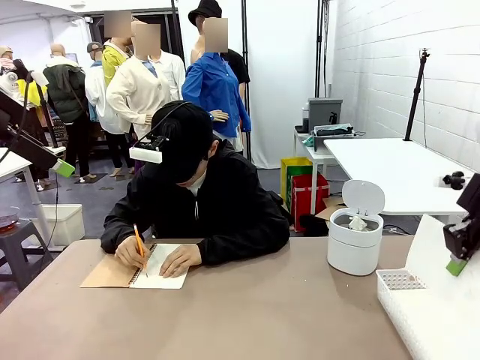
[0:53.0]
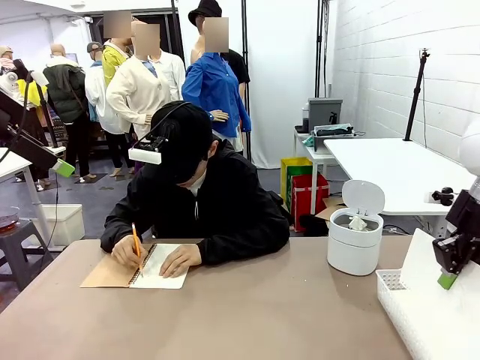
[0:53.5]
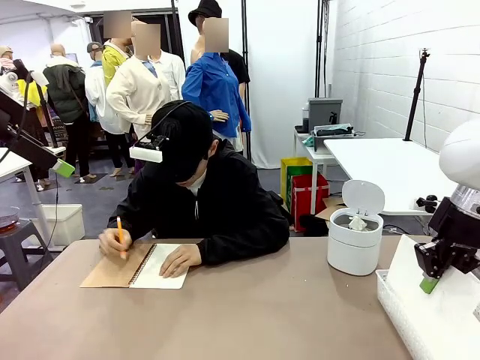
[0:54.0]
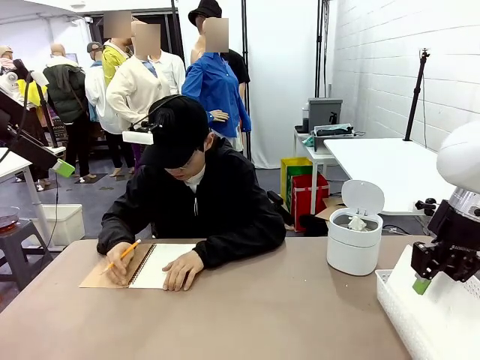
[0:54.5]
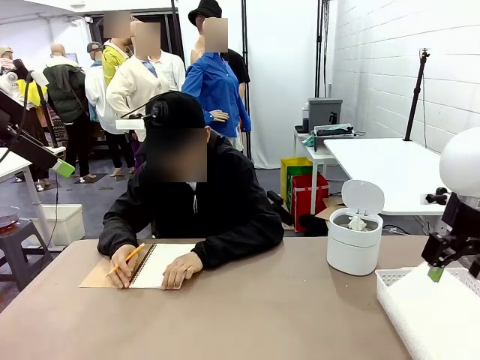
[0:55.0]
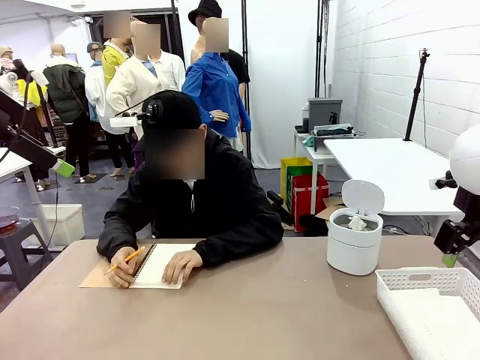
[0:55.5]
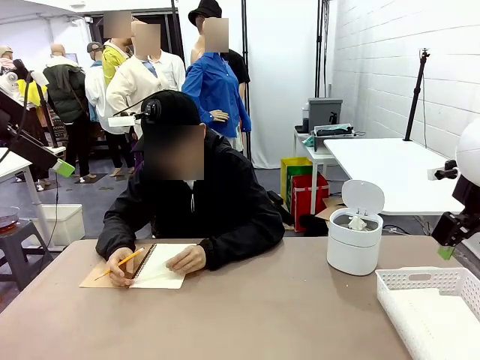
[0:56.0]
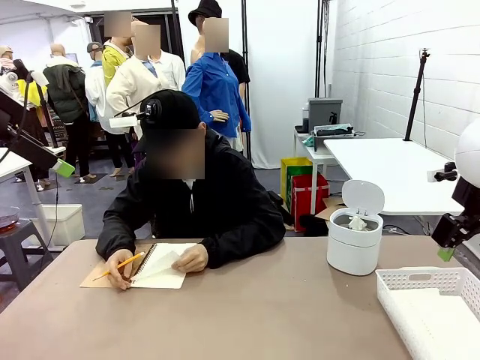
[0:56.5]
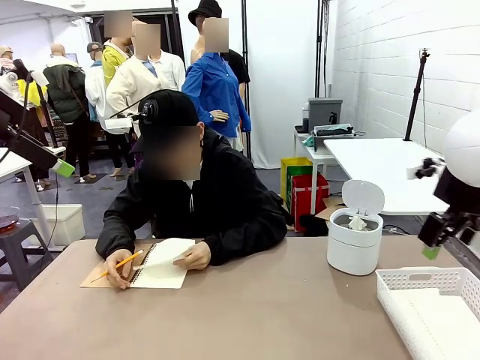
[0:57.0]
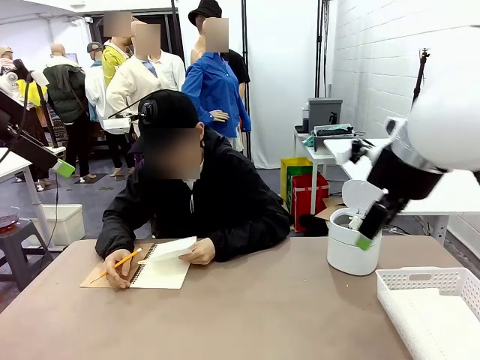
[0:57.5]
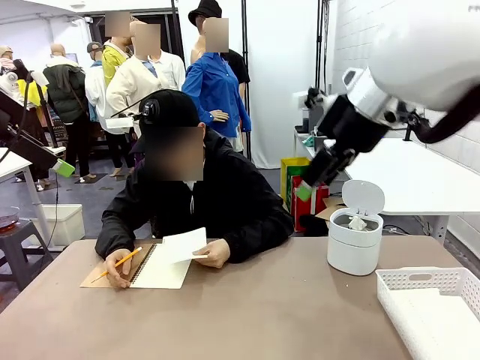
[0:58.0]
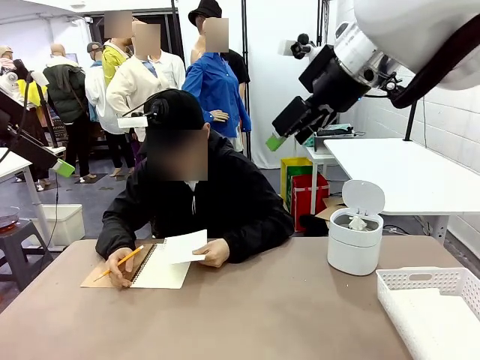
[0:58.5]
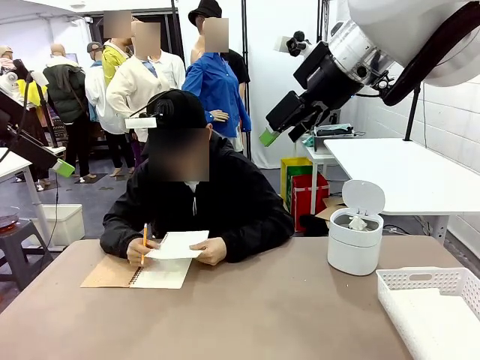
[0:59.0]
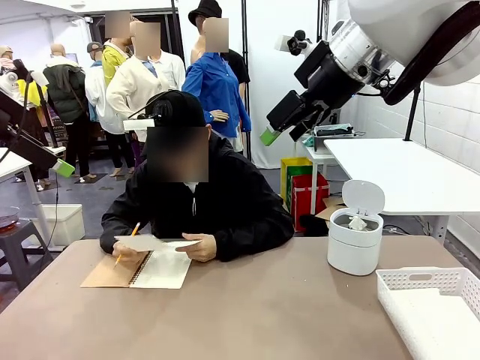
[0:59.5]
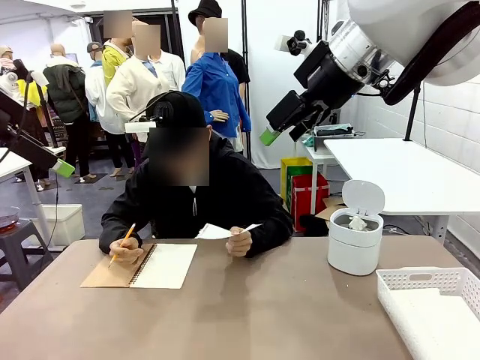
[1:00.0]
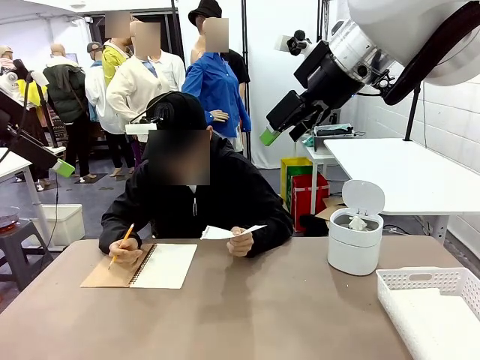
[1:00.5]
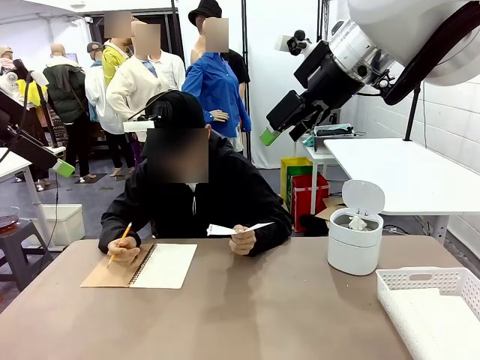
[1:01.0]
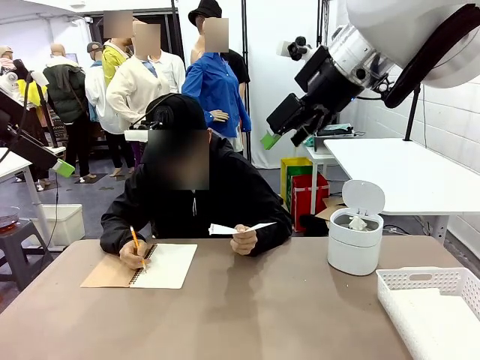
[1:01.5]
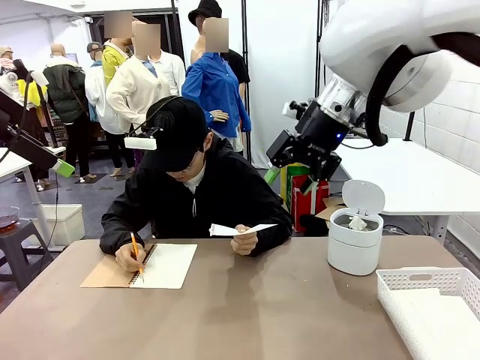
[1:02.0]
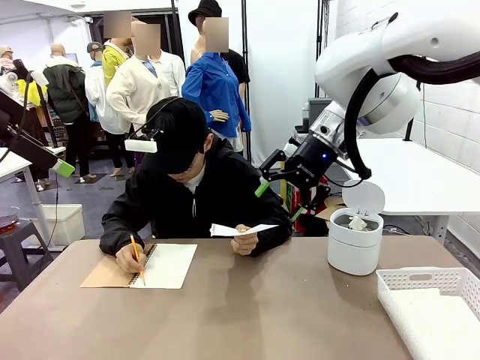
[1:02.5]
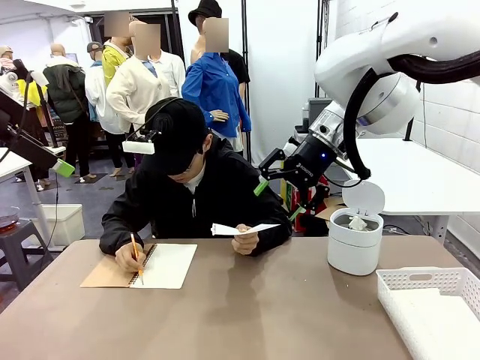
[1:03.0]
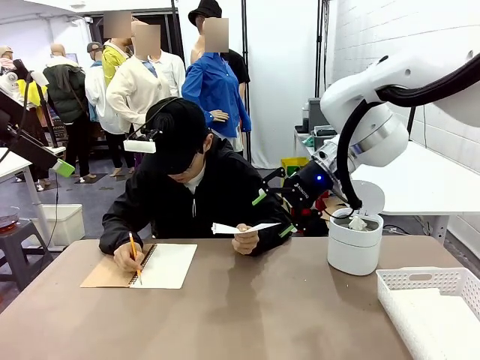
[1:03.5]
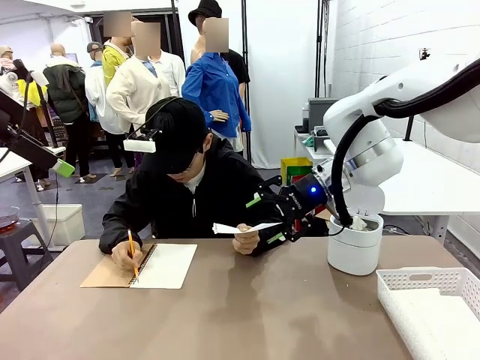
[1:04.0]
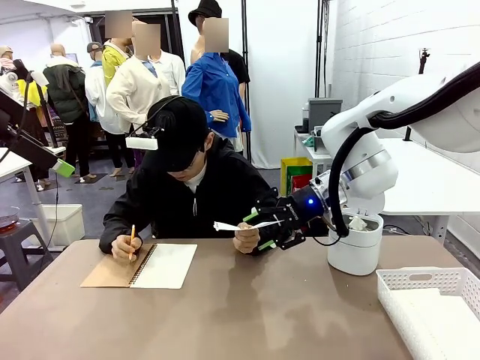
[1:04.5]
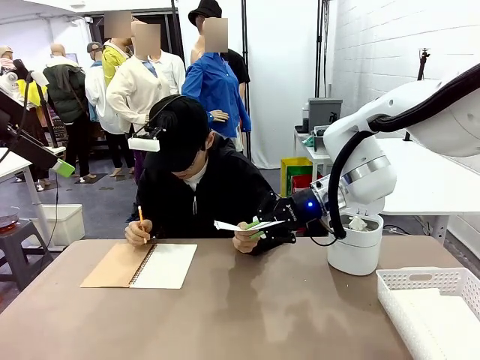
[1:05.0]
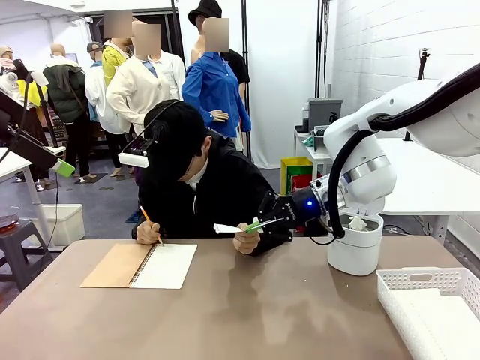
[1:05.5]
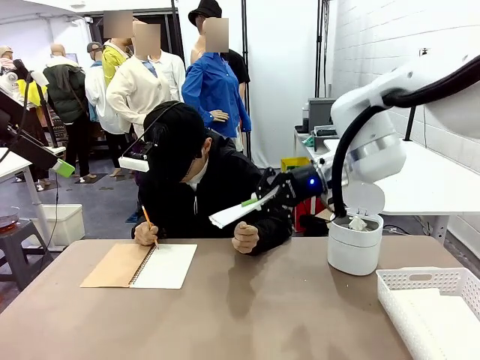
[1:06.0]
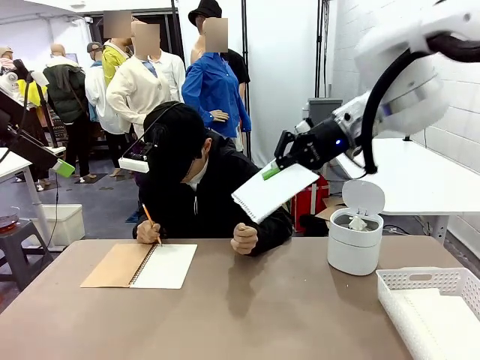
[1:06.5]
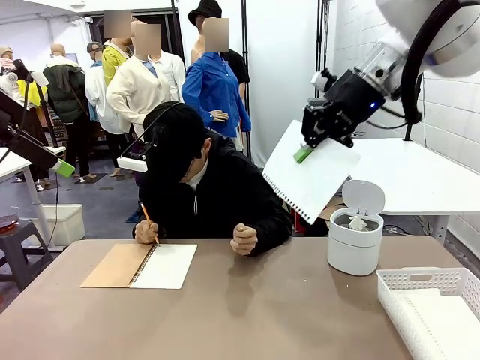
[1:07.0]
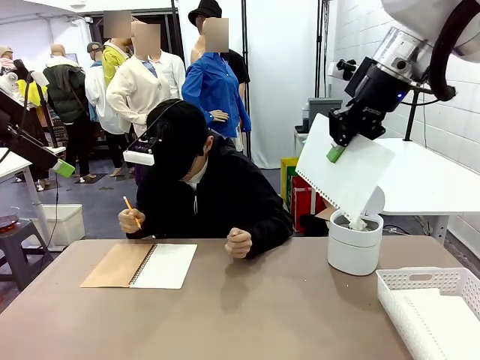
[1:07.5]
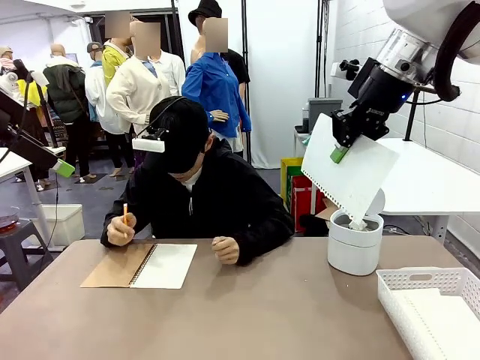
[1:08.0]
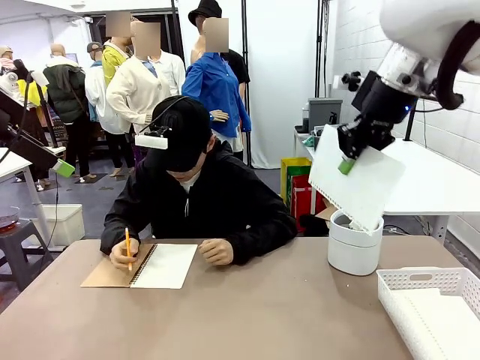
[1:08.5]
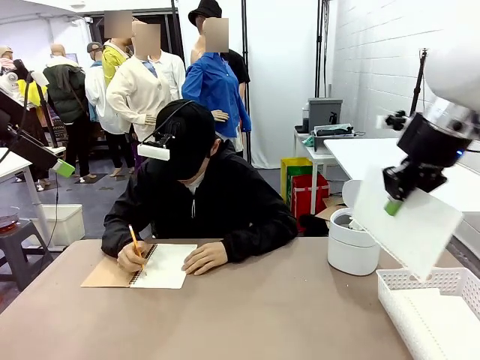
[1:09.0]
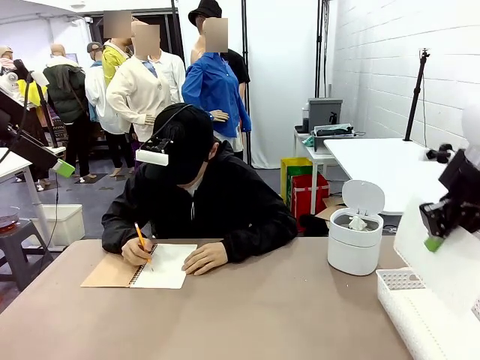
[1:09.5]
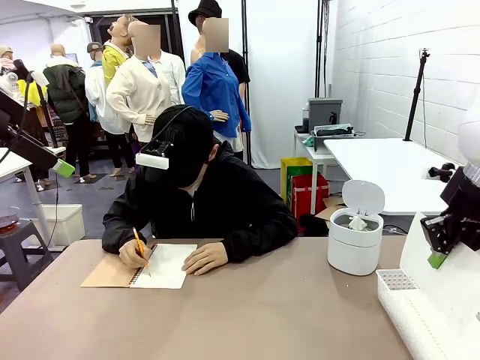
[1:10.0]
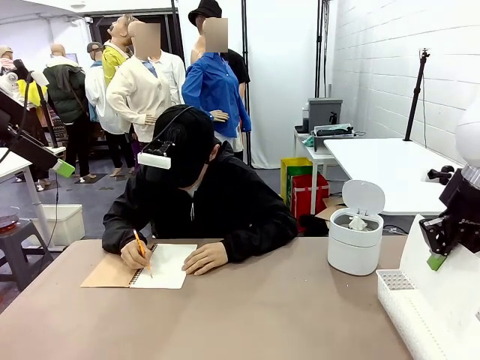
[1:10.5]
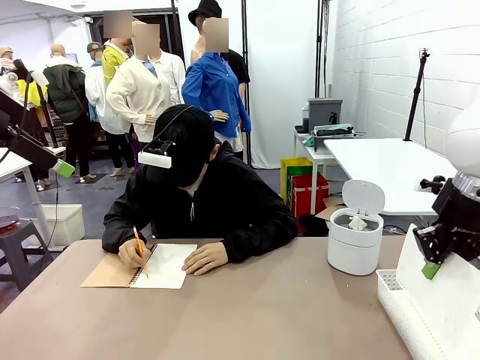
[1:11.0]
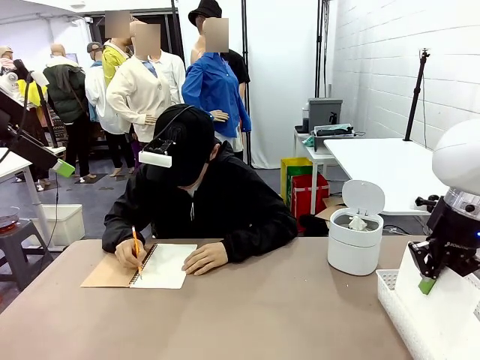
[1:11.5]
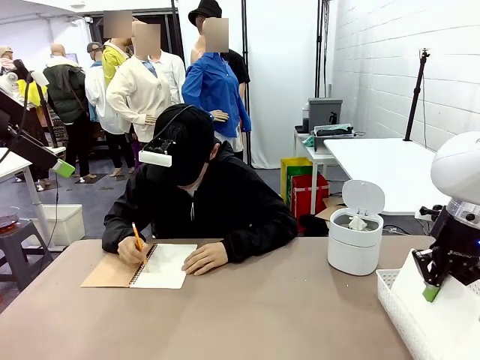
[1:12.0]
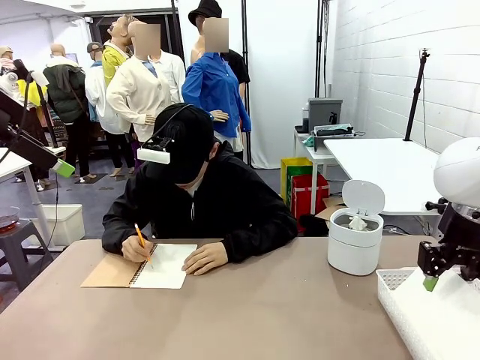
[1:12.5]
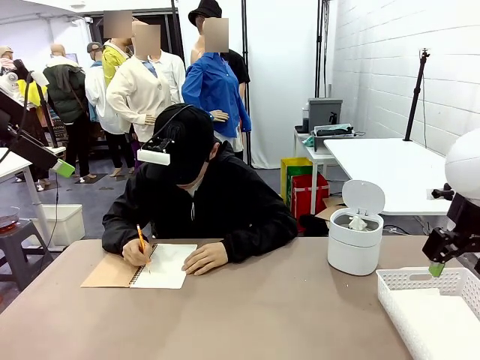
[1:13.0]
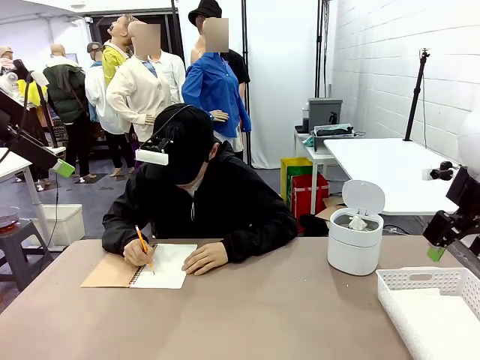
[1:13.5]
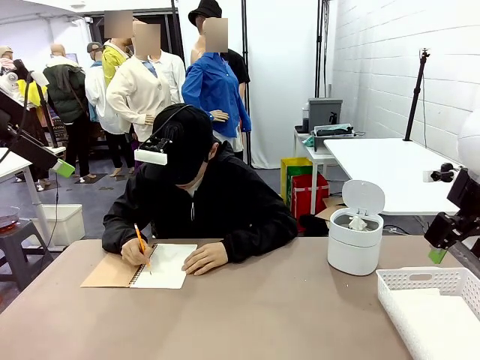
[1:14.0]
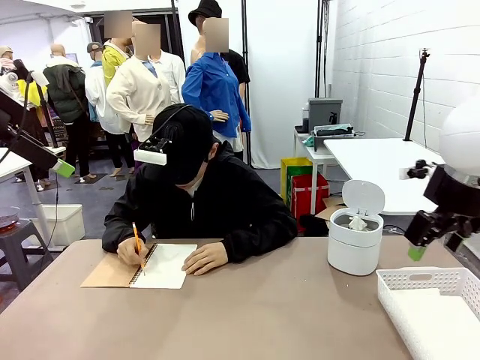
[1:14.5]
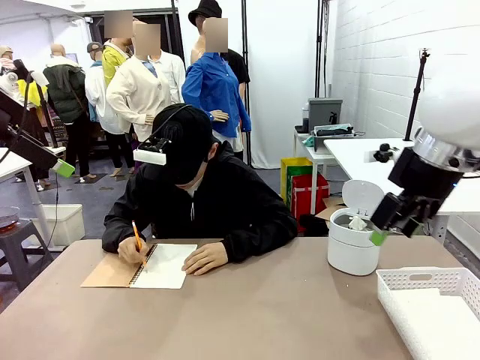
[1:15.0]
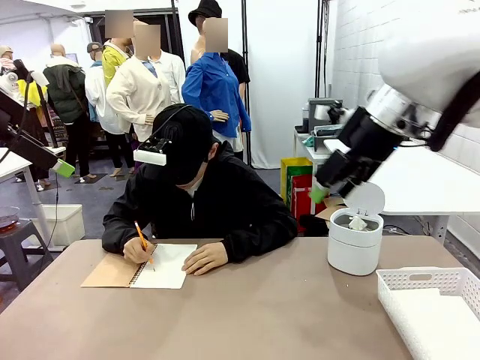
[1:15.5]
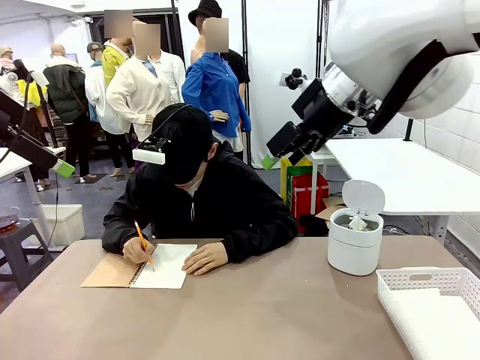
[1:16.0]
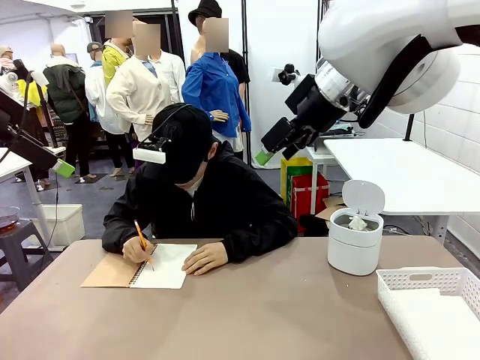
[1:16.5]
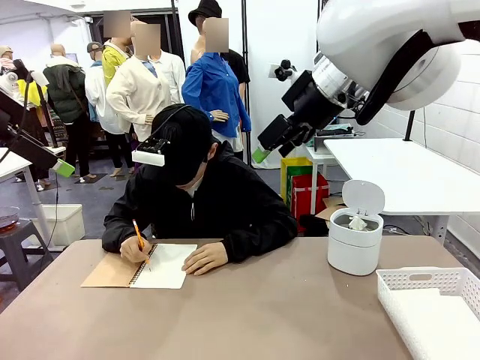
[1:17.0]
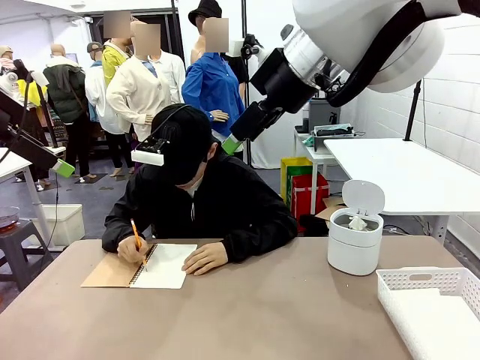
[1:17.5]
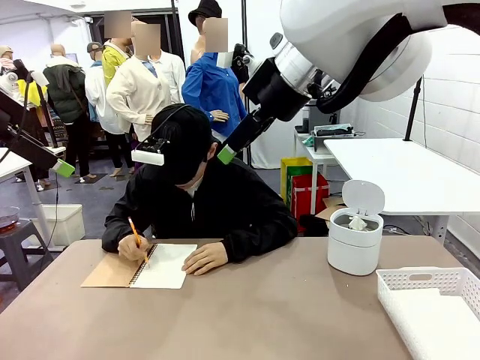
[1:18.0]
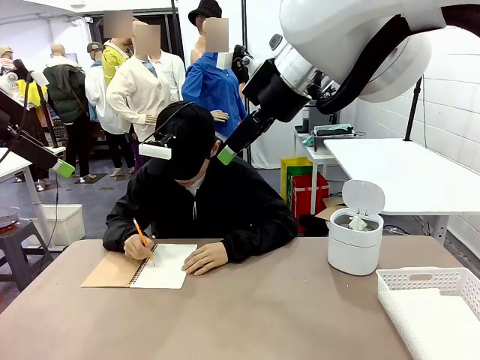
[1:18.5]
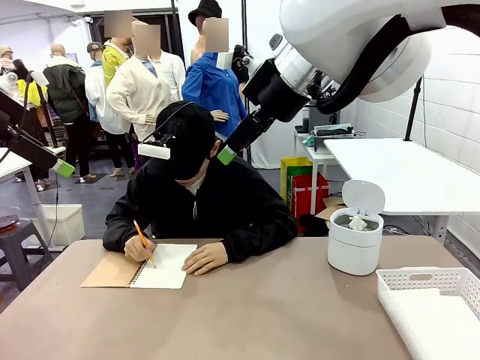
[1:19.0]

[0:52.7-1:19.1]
Task: Sort the paper based on its condition.
Robot: If a person hands you a paper, place it in the Organizing basket , and if it's crumpled, put it in the Trash can.
Person: Hand the torn page to the robot or crumple it and throw it to the center of the table.
